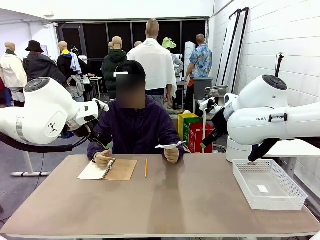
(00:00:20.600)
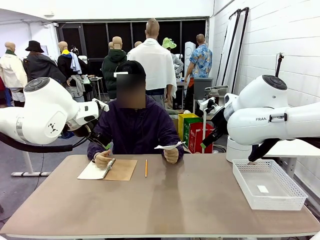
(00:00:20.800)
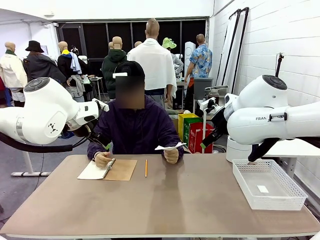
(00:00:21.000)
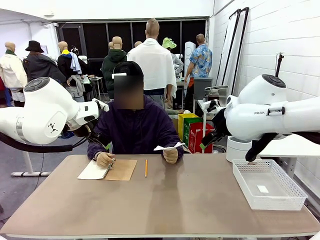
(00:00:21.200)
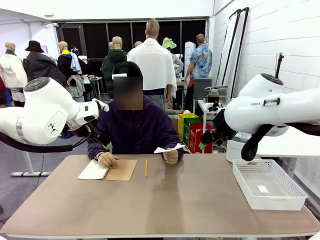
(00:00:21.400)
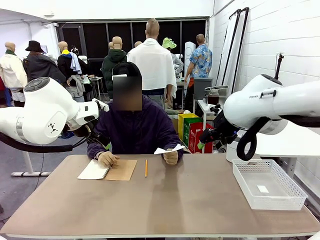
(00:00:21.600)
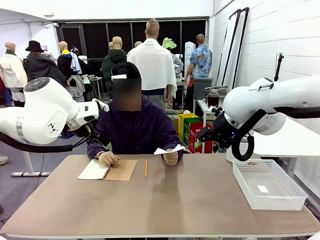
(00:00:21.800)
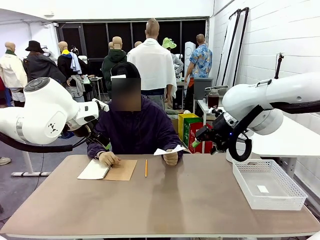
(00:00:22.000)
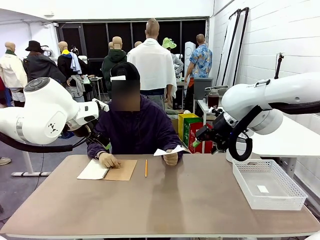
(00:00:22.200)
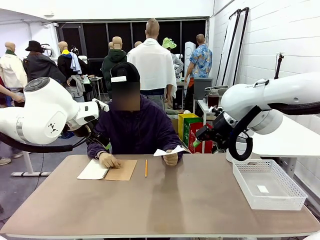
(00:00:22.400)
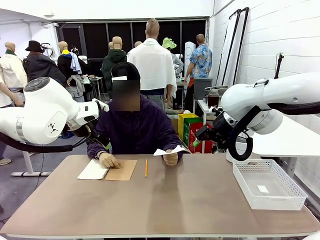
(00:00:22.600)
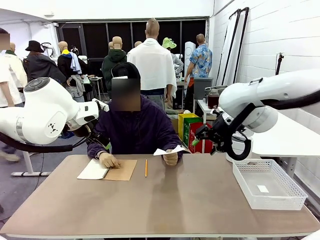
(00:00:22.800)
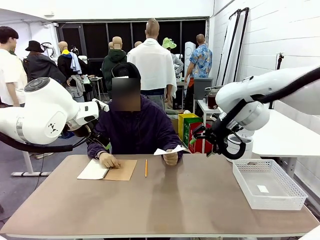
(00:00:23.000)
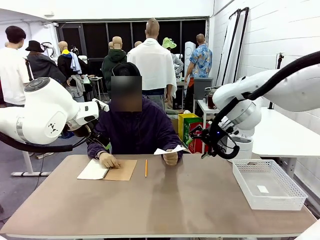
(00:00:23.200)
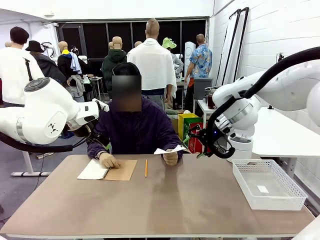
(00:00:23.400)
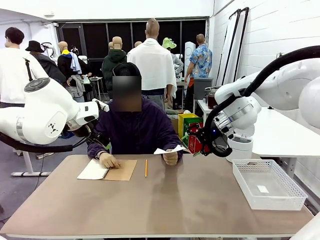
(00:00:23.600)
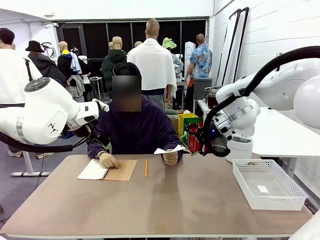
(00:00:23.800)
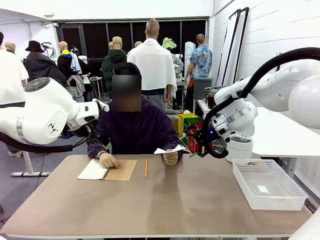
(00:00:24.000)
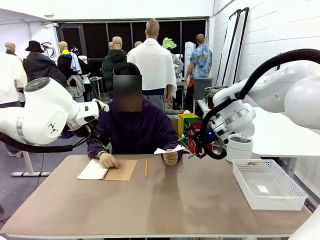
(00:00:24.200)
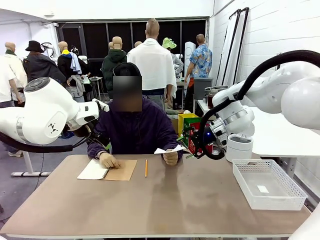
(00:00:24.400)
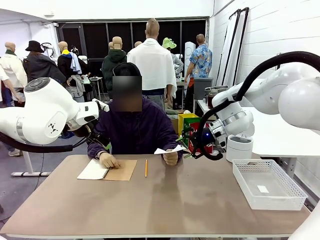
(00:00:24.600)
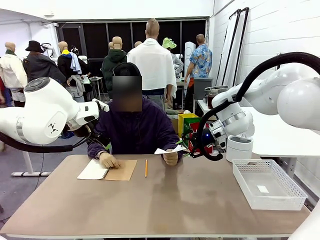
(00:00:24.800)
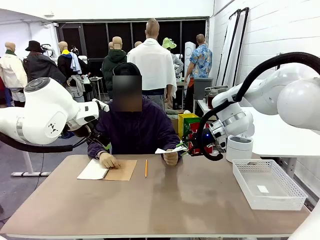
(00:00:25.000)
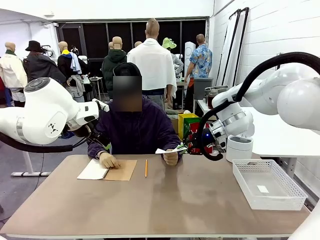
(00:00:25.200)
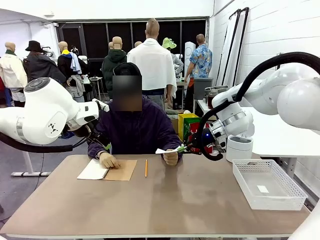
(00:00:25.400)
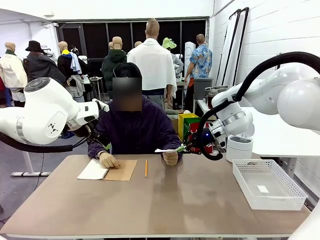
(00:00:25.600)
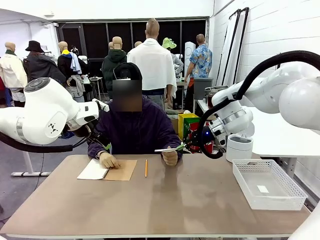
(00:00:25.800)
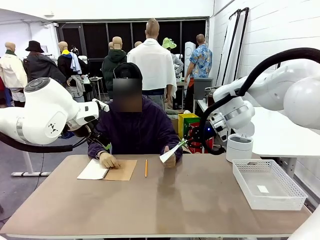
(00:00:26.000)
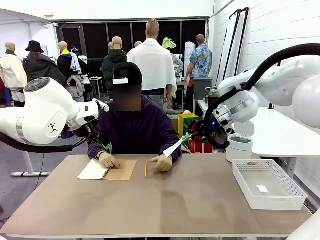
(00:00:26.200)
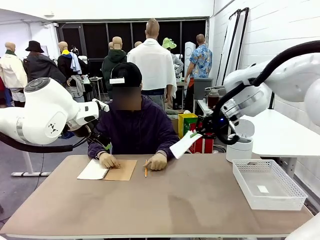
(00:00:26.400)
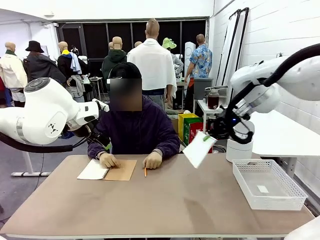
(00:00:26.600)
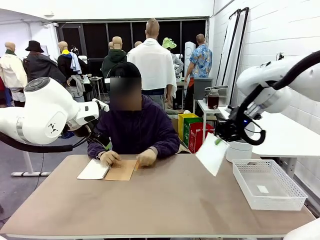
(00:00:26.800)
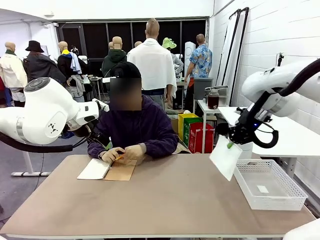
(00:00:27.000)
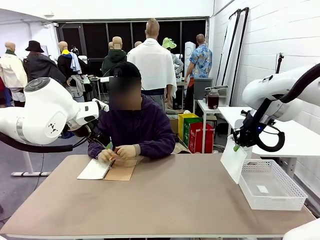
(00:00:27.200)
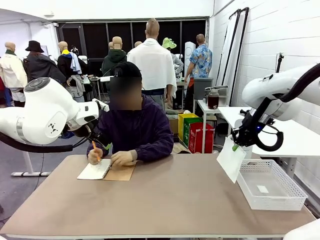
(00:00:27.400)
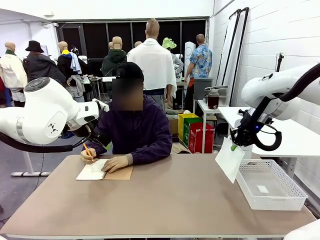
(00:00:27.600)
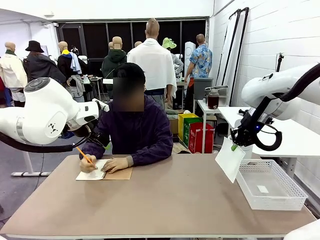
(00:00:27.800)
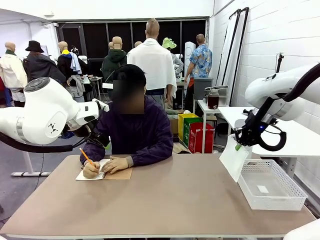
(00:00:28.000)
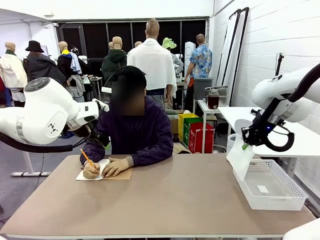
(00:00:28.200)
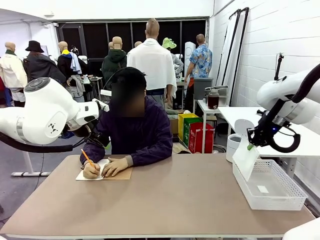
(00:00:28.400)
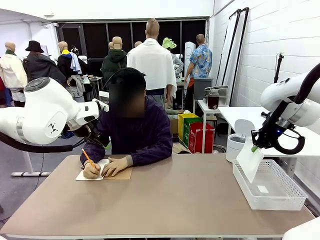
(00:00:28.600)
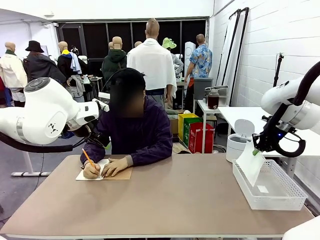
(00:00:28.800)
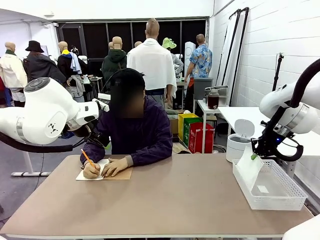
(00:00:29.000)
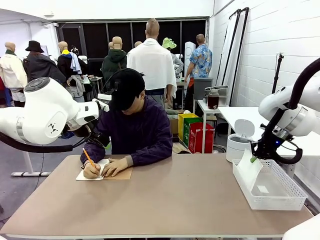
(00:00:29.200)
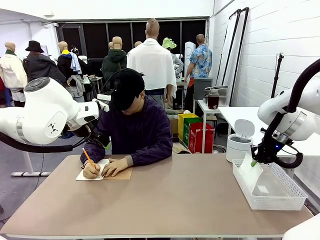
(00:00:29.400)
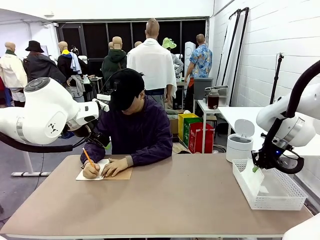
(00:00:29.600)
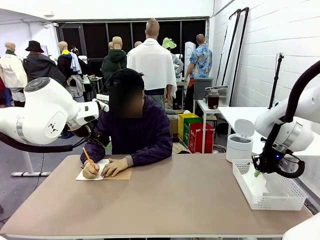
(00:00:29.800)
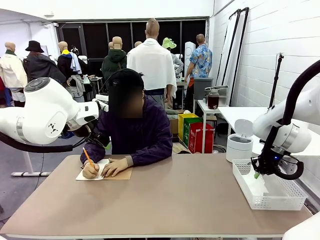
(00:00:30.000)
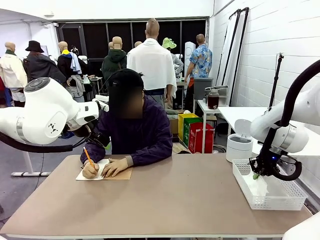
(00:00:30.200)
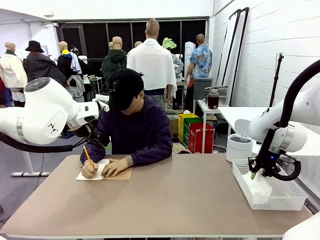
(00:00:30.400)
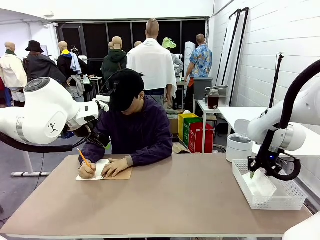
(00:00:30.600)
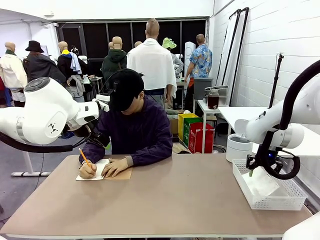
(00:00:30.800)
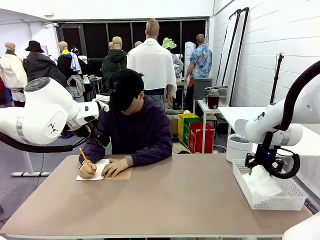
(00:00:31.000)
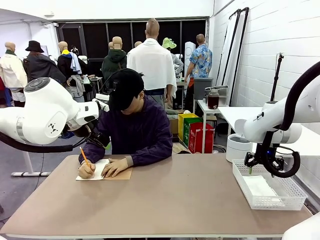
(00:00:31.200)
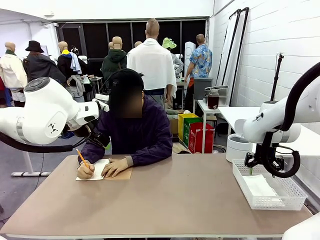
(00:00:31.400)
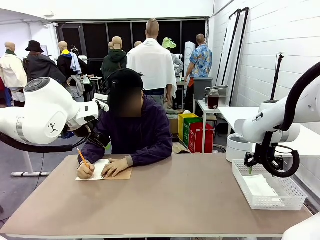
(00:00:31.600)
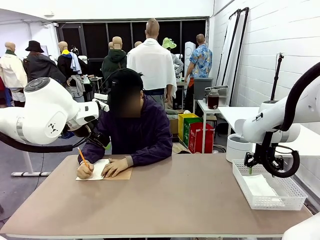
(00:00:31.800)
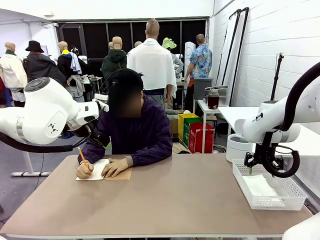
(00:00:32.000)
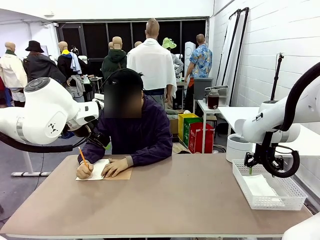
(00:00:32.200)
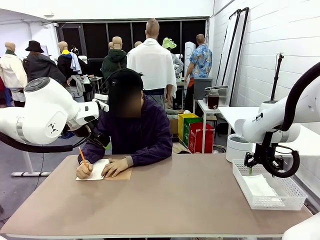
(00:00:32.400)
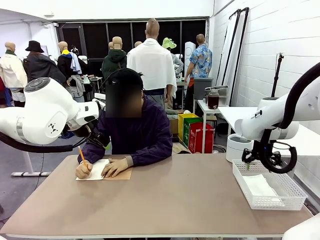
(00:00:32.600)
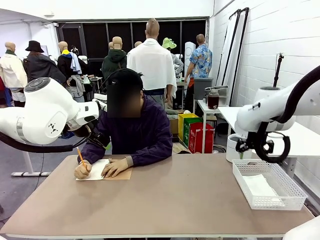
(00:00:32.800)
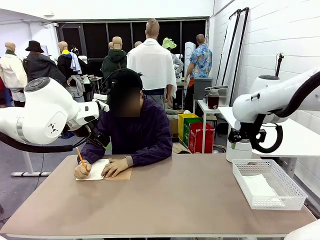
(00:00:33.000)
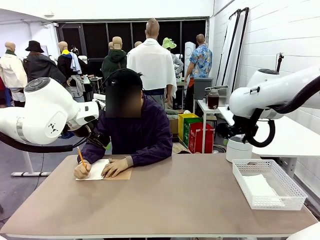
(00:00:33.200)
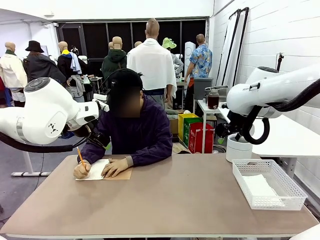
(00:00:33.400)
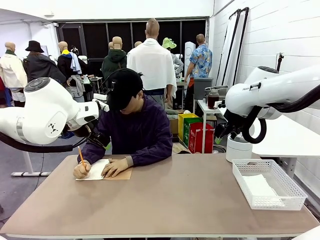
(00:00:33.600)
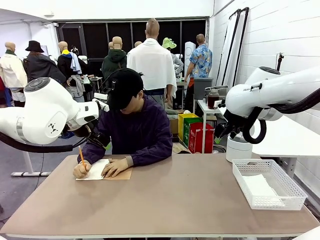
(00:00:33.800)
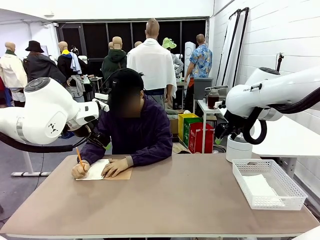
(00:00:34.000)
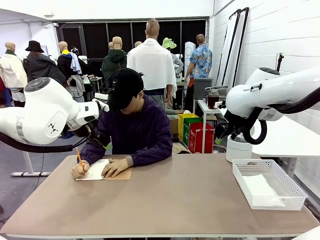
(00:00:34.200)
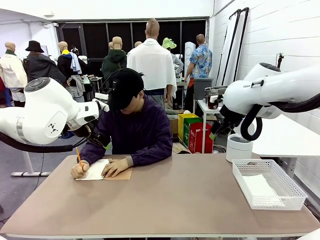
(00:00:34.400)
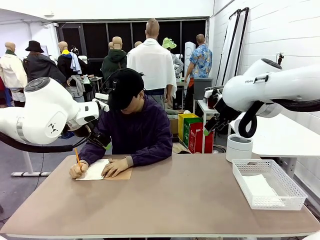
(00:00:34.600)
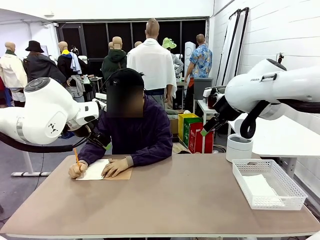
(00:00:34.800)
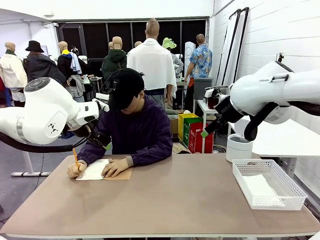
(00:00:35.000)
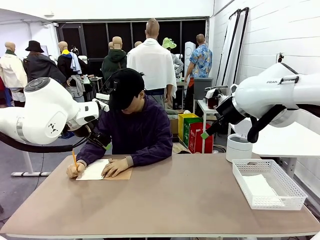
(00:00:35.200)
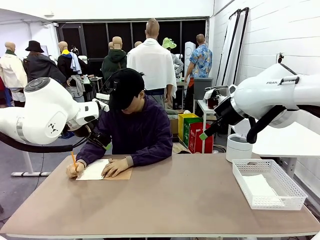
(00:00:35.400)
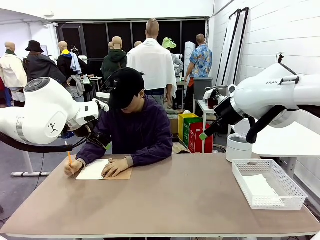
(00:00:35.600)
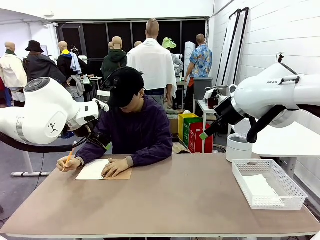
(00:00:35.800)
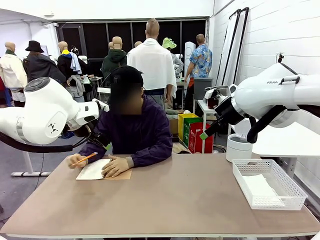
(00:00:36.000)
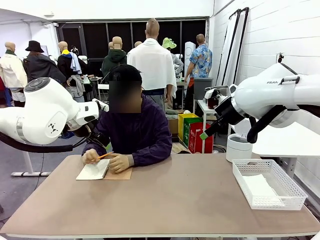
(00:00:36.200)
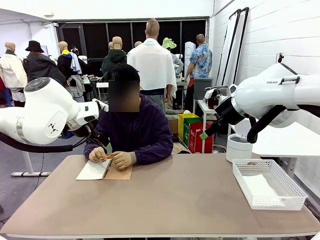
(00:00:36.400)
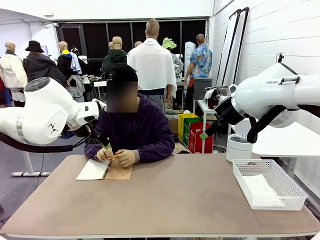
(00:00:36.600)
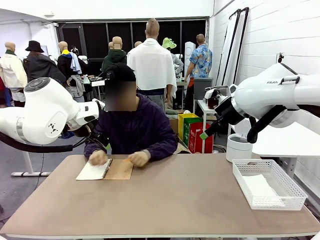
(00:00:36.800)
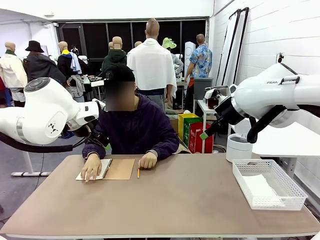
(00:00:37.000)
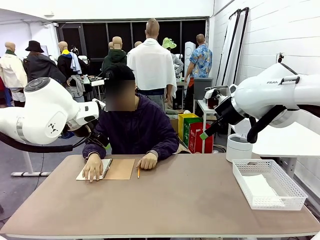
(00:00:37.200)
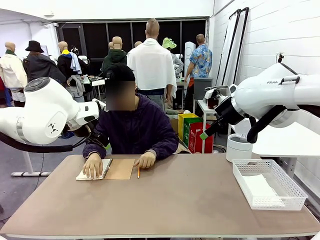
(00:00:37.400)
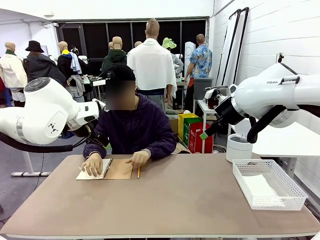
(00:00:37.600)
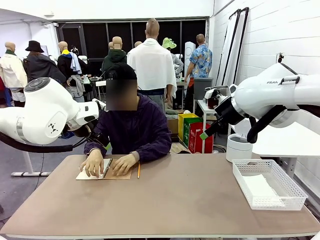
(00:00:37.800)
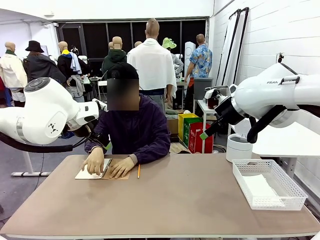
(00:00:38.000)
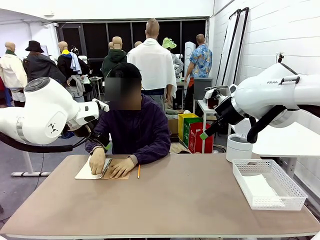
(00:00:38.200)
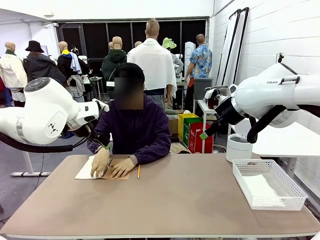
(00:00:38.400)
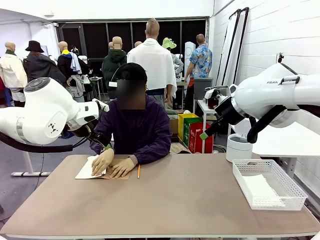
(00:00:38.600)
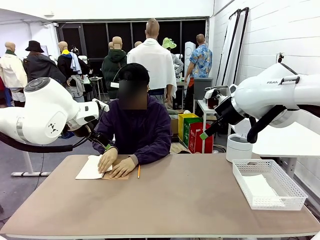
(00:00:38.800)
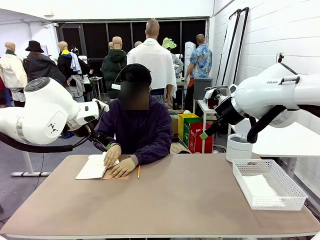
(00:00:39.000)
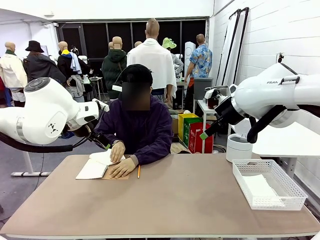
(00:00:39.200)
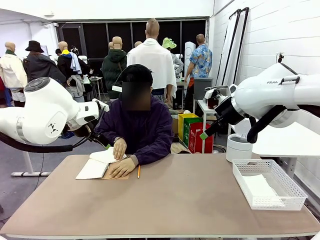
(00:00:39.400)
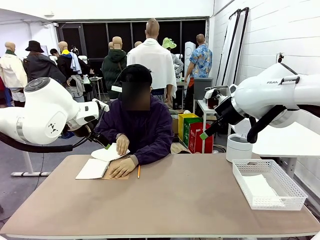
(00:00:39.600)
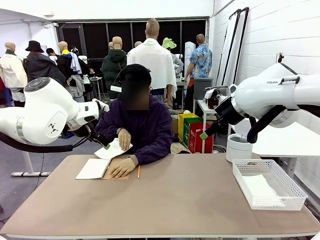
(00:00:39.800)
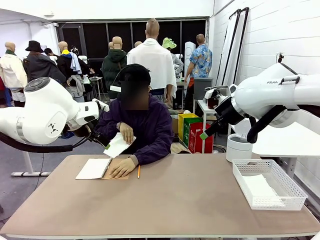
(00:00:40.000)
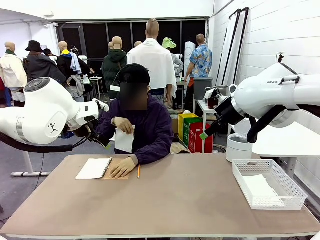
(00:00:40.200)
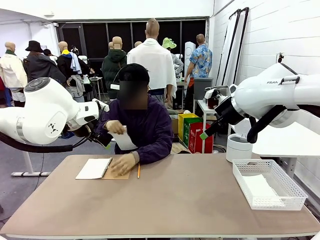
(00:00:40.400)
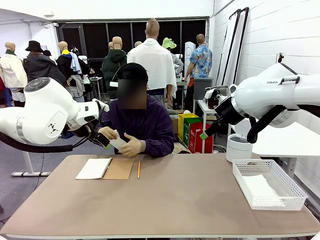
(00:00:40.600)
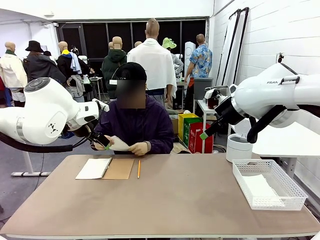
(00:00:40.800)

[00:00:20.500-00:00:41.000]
Task: Sort the paper based on its condition.
Robot: If a person hands you a paper, place it in the Organizing basket , and if it's crumpled, put it in the Trash can.
Person: Tear out a page from the spiral notebook.
